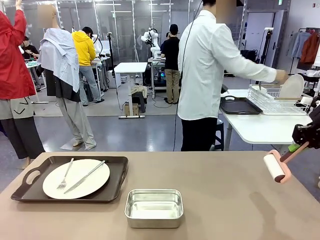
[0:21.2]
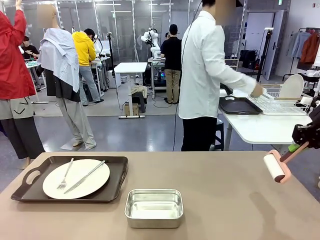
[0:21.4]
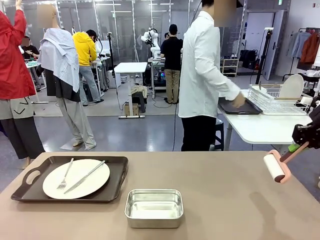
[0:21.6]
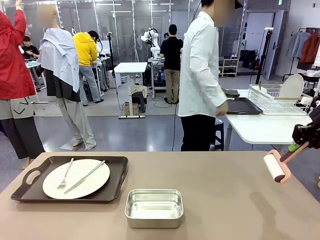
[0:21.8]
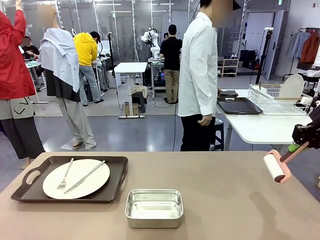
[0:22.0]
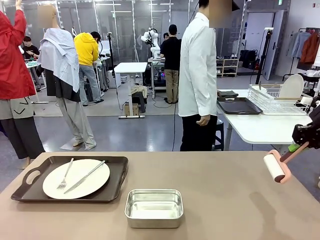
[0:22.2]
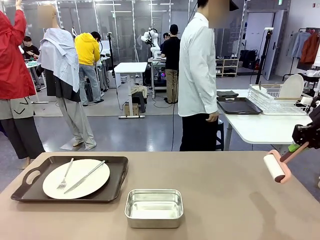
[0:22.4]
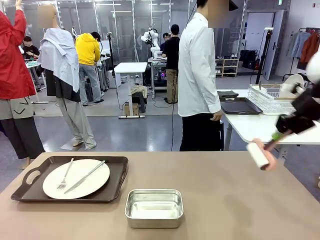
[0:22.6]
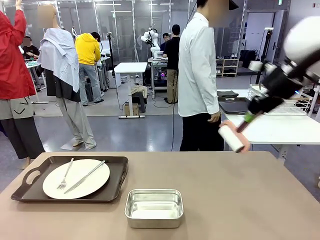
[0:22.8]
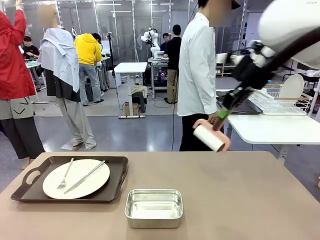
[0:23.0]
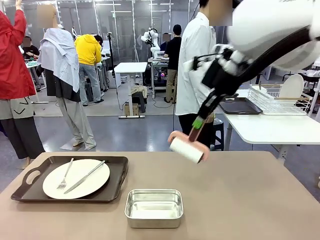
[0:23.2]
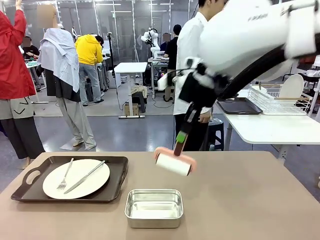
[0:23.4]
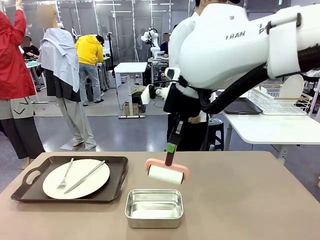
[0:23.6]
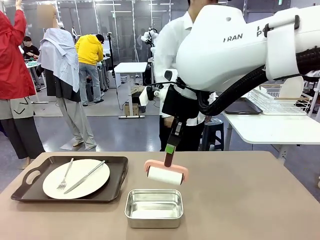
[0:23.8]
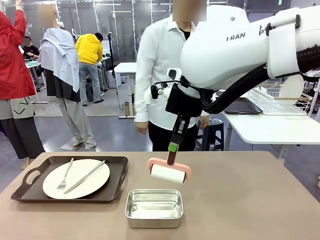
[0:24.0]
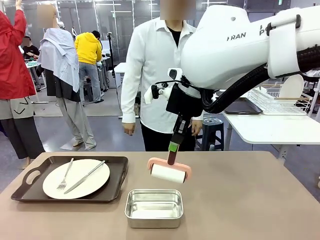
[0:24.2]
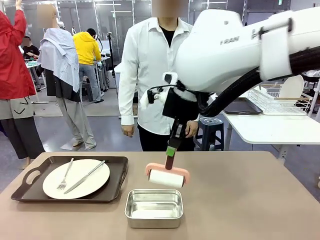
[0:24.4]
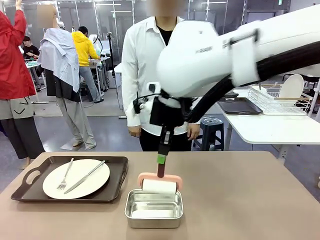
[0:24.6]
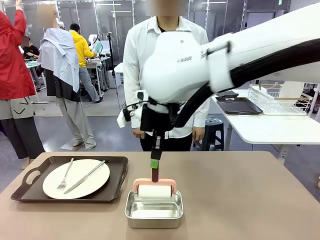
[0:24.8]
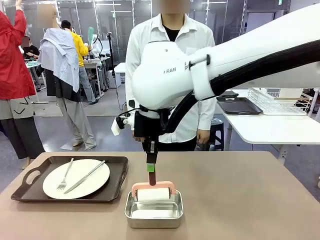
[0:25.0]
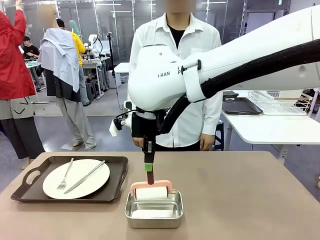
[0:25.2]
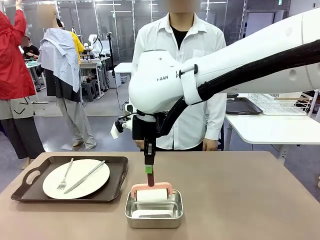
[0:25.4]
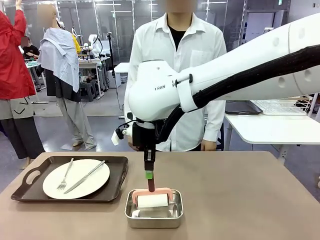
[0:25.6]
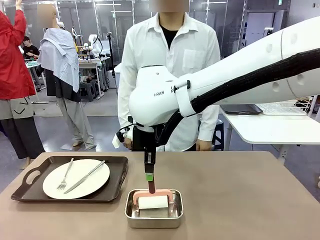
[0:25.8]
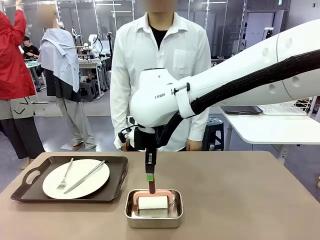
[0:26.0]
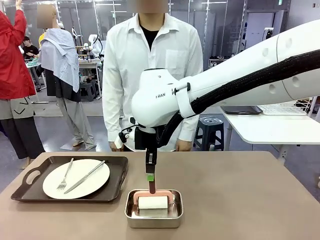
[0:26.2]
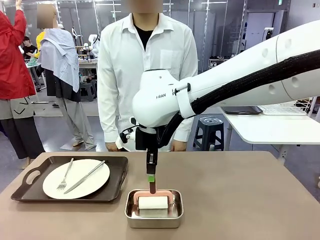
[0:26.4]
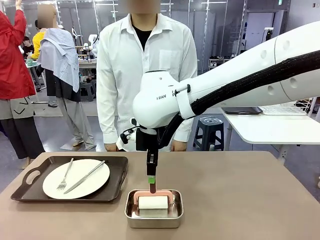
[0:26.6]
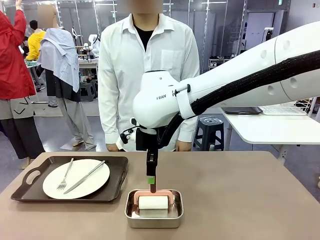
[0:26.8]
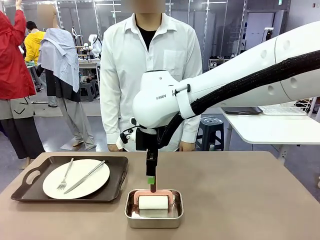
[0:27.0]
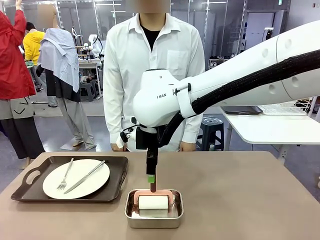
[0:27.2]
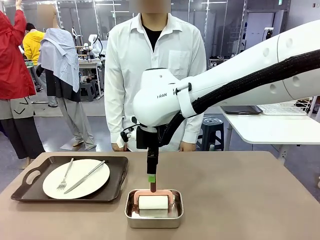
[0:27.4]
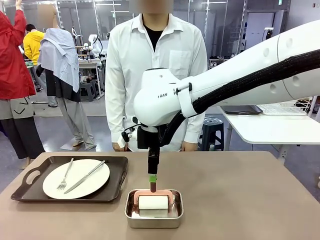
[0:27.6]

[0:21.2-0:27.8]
Robot: Place the Lint Roller back on top of the Airtight Container.

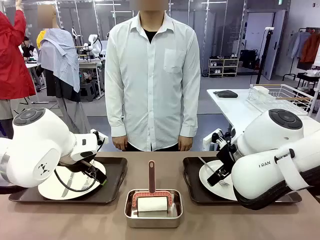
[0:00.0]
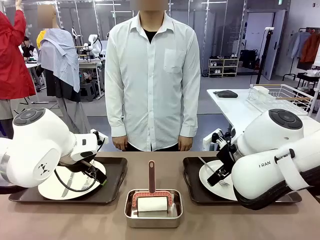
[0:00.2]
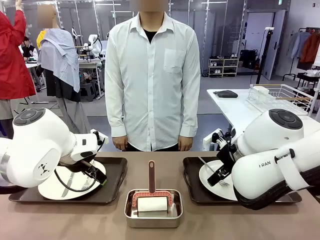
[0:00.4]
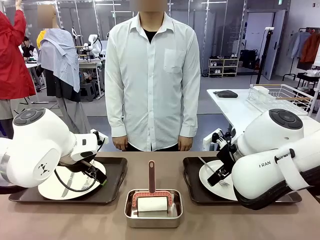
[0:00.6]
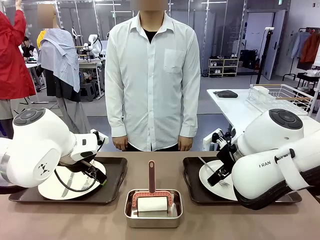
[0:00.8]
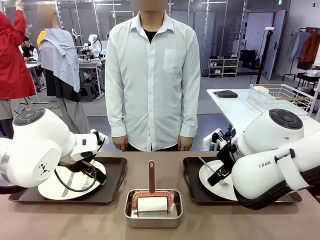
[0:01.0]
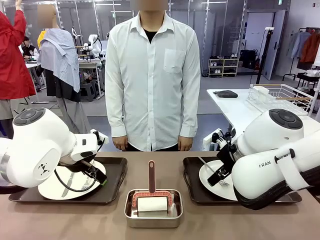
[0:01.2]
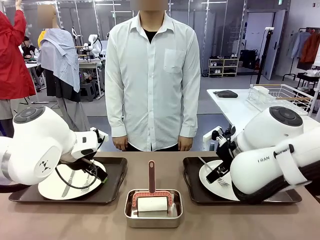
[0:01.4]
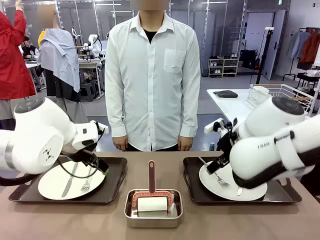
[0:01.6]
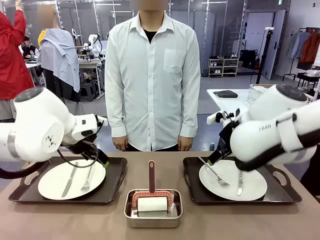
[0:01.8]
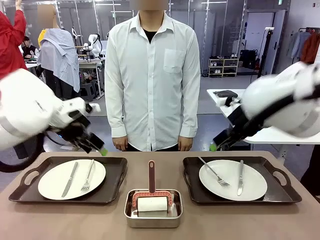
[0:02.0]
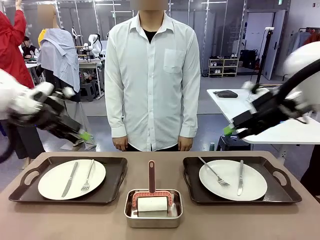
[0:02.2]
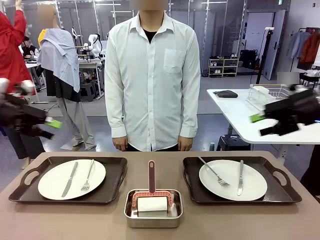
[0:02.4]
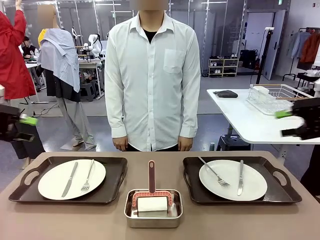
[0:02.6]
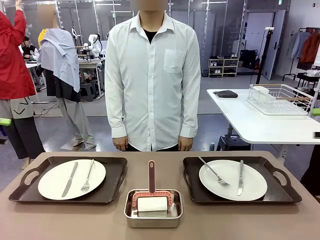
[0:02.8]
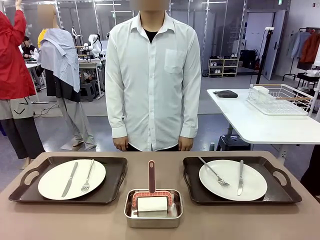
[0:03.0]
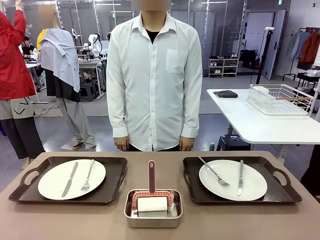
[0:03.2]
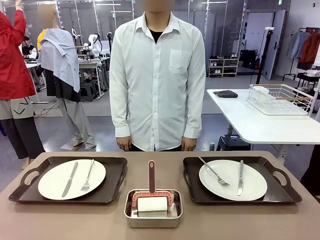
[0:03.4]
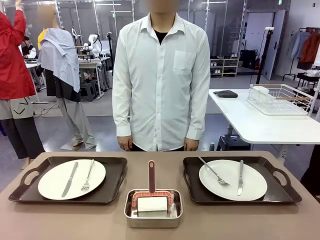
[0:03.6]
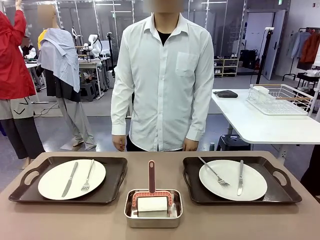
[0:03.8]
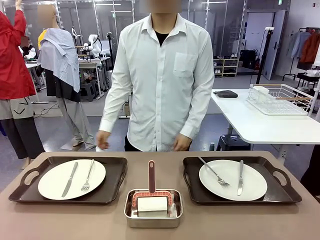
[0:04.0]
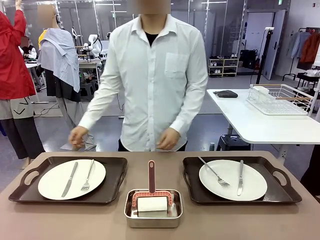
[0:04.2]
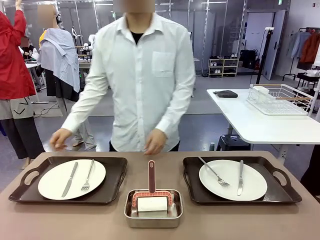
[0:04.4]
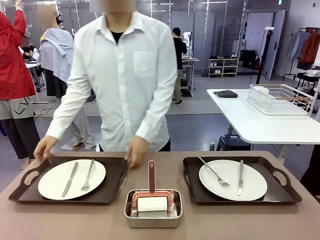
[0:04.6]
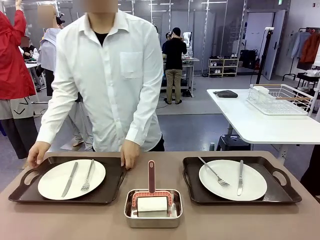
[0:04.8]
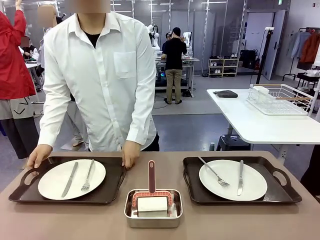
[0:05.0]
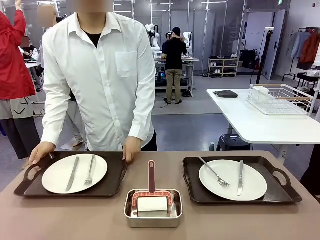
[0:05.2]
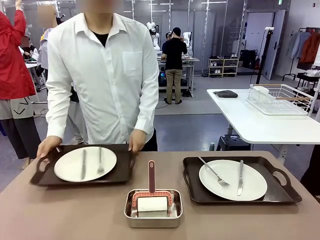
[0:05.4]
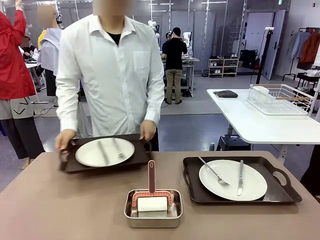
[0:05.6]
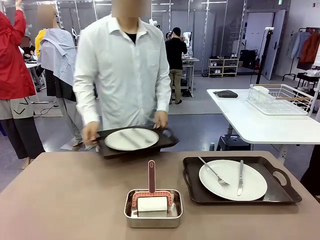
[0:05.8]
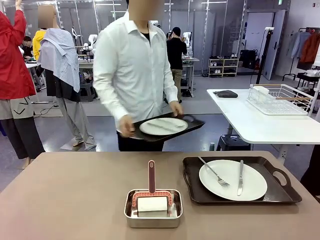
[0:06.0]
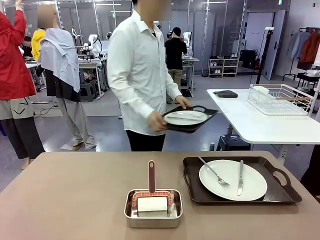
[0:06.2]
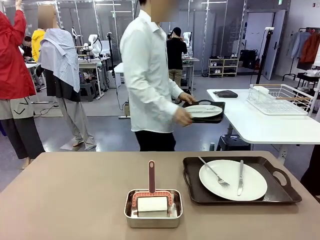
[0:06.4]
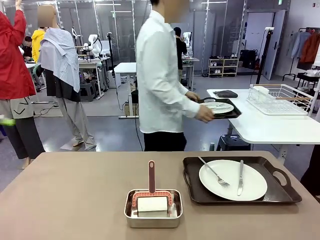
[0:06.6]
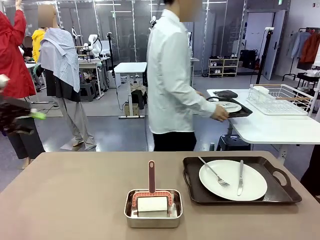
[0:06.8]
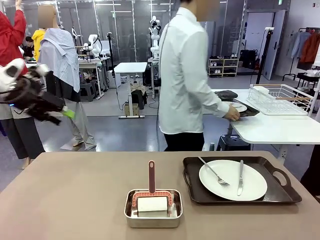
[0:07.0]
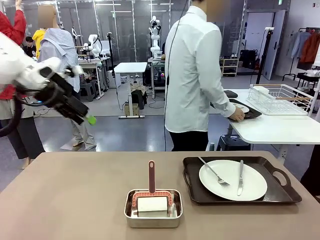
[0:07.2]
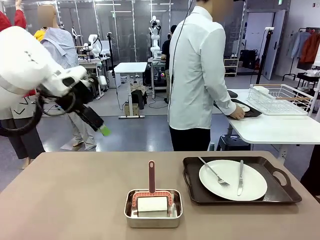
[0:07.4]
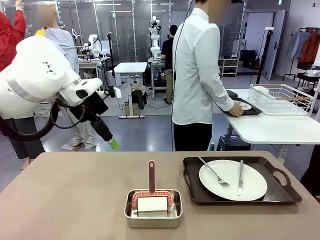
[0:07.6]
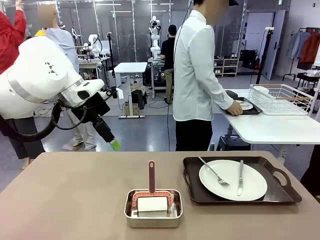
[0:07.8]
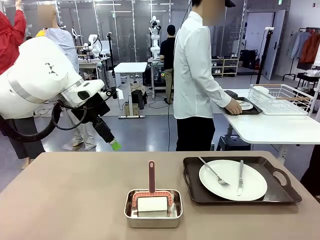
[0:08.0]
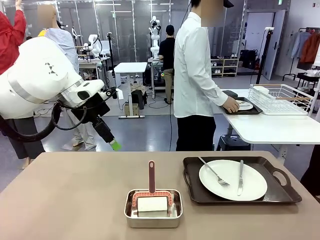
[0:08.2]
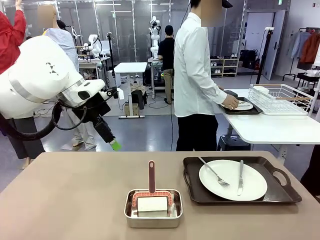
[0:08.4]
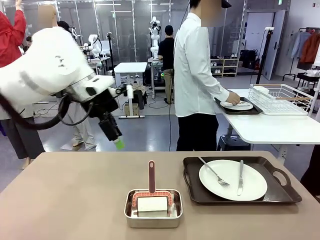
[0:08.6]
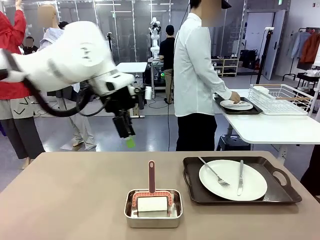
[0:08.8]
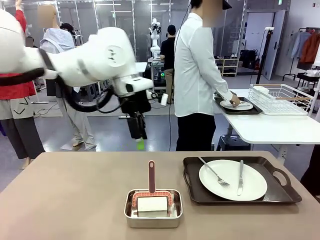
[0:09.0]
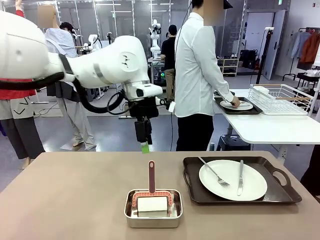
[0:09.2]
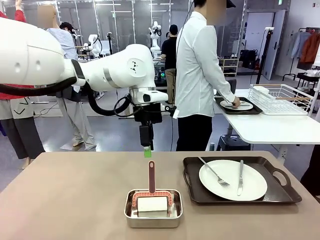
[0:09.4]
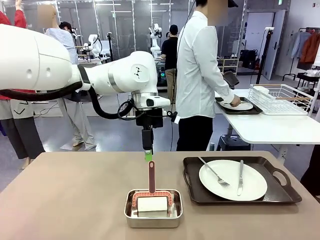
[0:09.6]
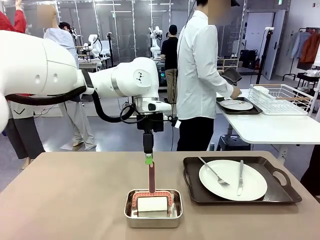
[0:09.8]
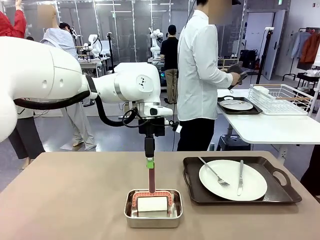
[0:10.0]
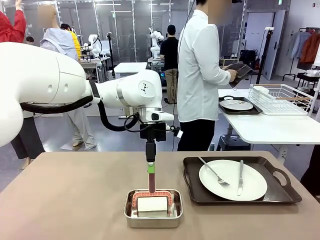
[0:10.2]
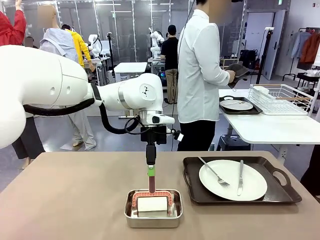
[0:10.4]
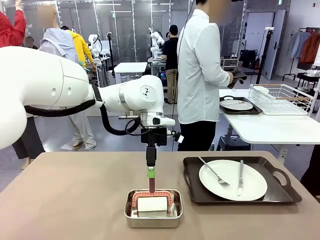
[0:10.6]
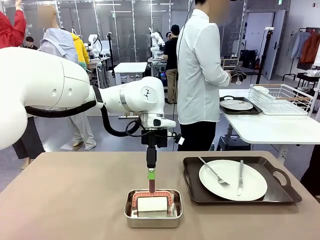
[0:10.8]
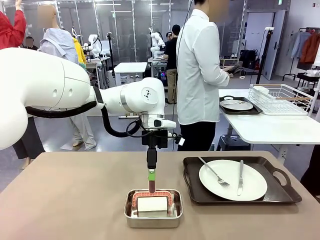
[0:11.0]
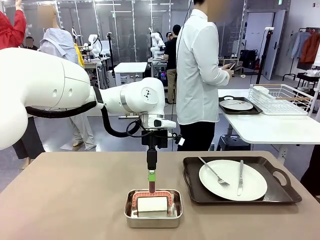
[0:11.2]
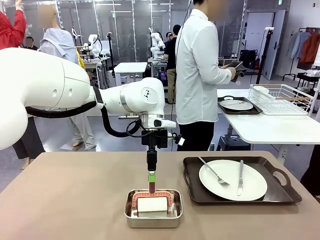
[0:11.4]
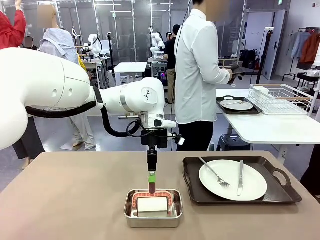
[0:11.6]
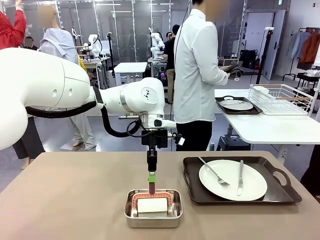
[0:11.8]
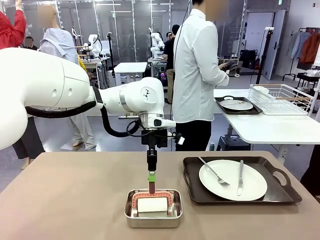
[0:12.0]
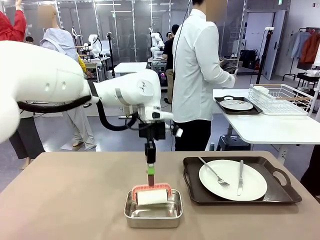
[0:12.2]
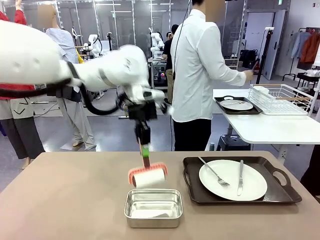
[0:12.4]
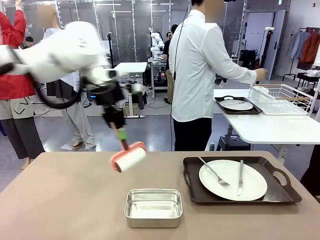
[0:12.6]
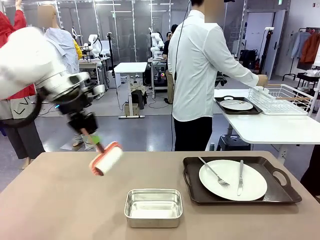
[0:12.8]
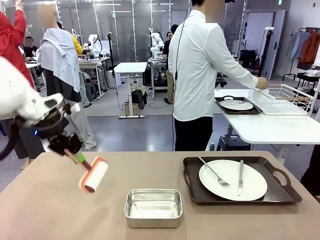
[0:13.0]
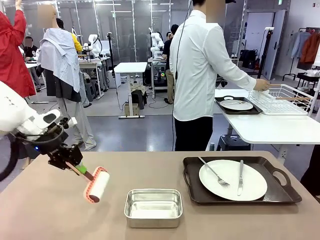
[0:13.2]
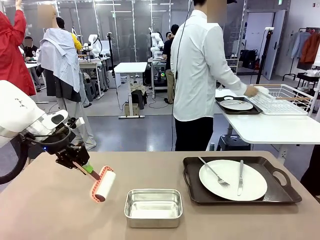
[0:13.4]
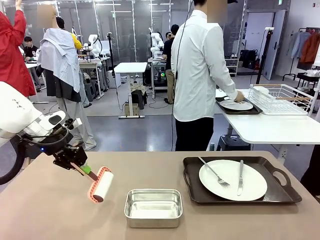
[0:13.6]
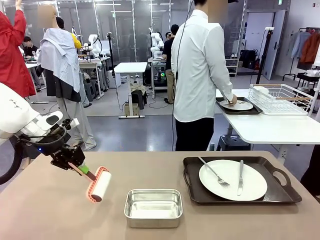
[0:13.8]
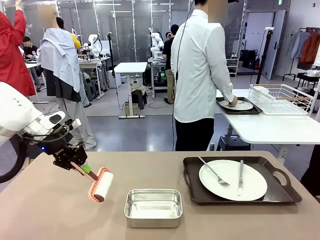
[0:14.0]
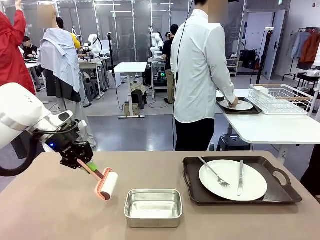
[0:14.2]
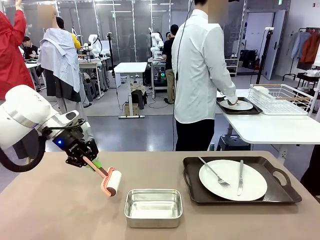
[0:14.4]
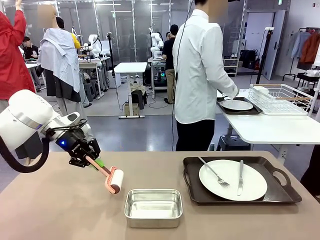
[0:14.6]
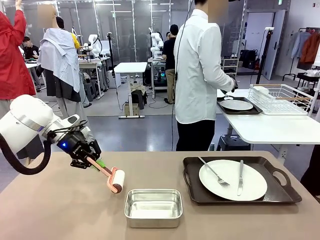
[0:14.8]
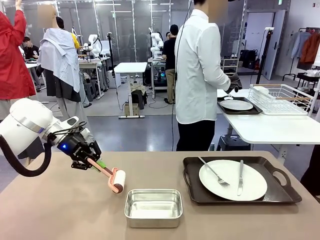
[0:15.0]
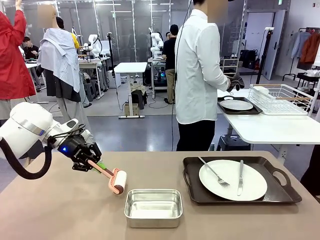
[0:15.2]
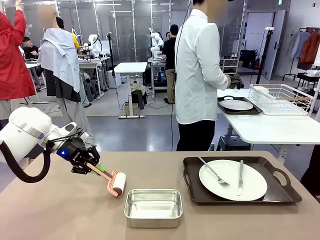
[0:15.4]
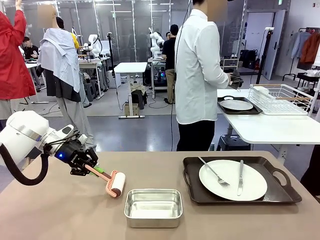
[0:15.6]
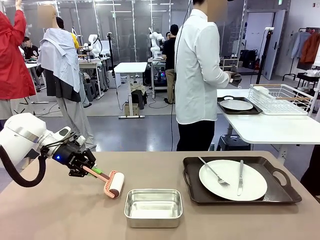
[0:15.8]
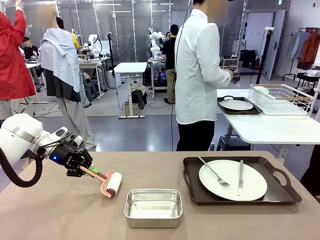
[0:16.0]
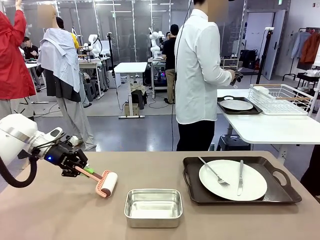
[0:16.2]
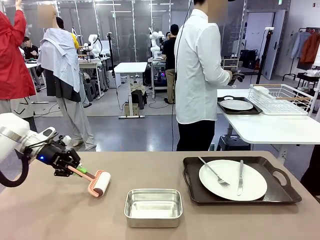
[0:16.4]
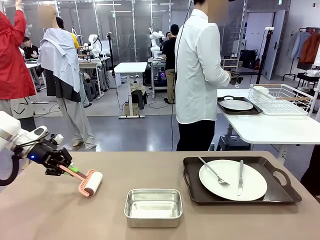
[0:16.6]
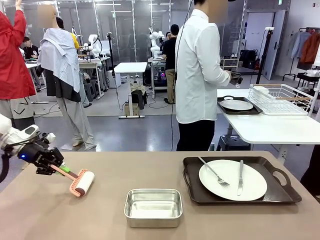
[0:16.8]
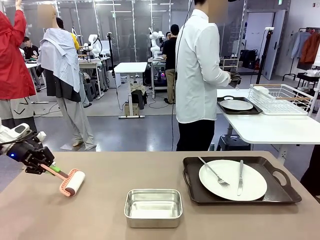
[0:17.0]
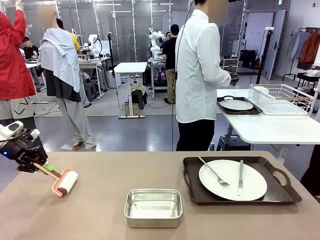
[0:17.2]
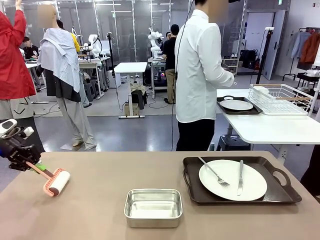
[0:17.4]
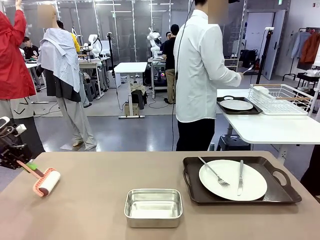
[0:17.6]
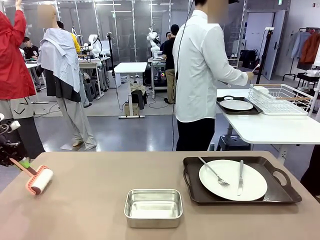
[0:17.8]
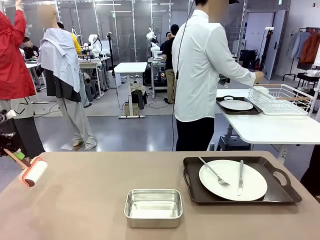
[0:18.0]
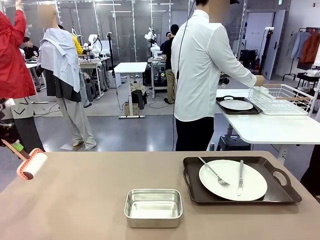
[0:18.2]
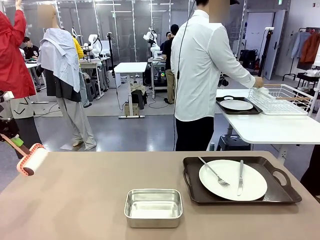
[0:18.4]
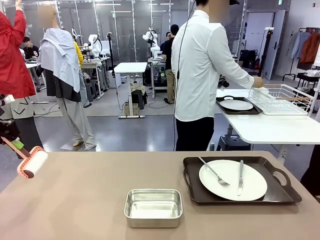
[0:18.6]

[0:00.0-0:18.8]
Robot: When the left (or right) Handle tray is removed, use the left hand (or right hand) to clean the left (or right) side of the table with the Lint Roller.
Person: Pick up the left (or right) Handle tray and place it on the middle of the Human's table. Use the Towel with hook to wipe the Plastic Matte Plate , Fork , and Knife and place into the Dish drying rack.
